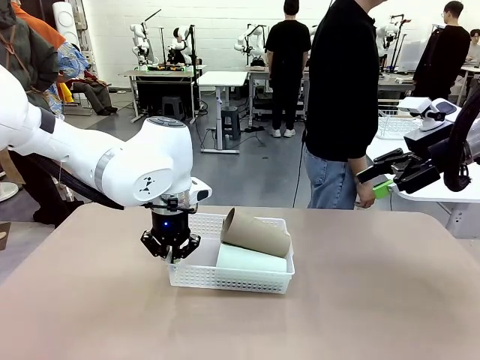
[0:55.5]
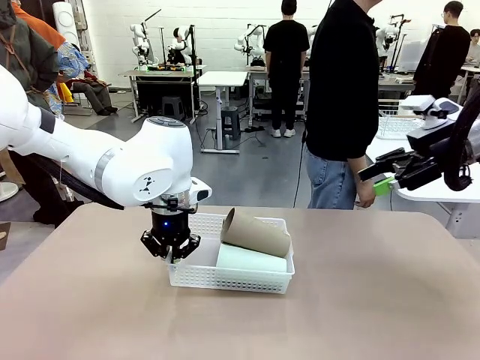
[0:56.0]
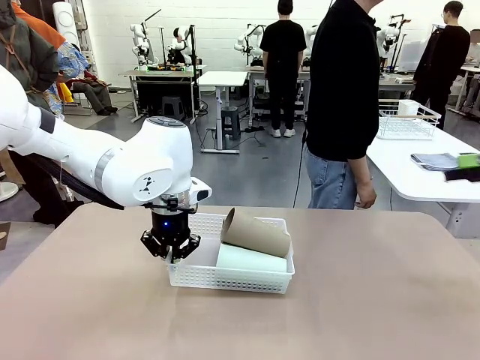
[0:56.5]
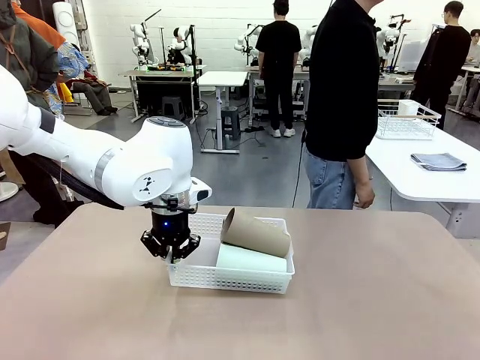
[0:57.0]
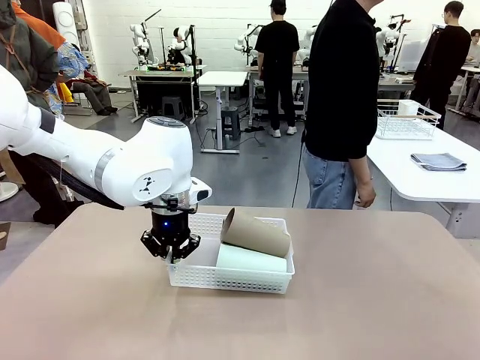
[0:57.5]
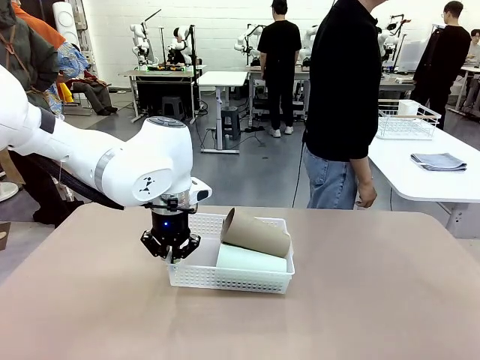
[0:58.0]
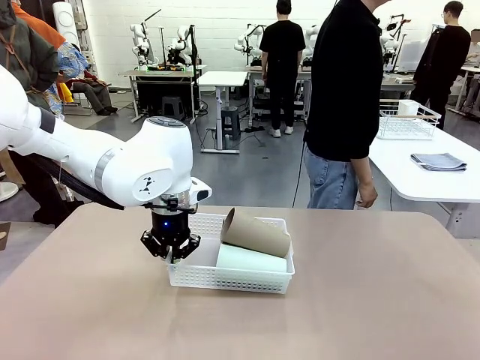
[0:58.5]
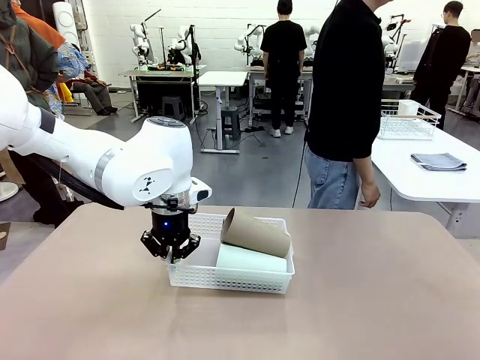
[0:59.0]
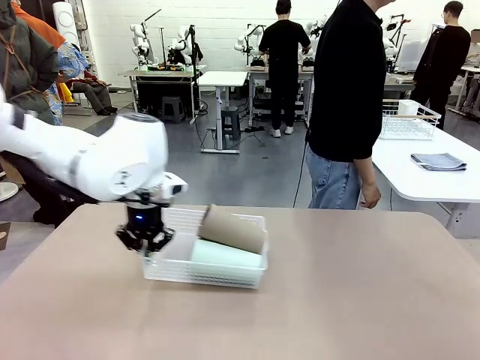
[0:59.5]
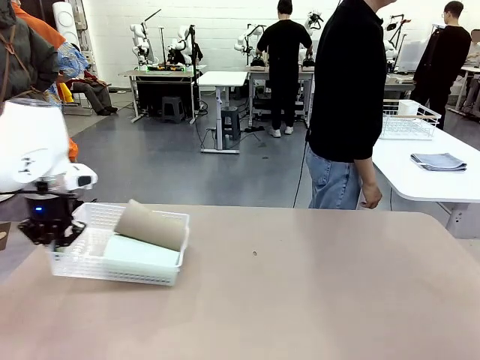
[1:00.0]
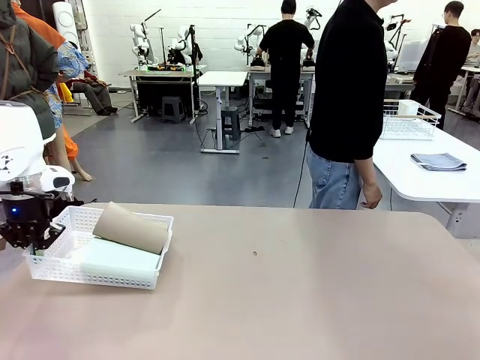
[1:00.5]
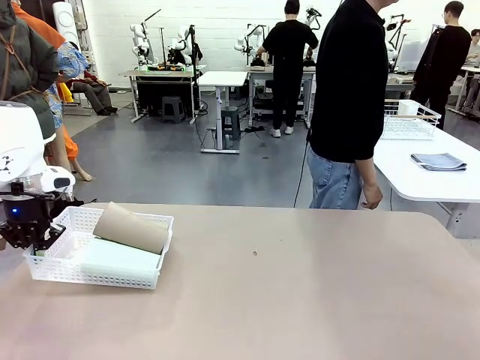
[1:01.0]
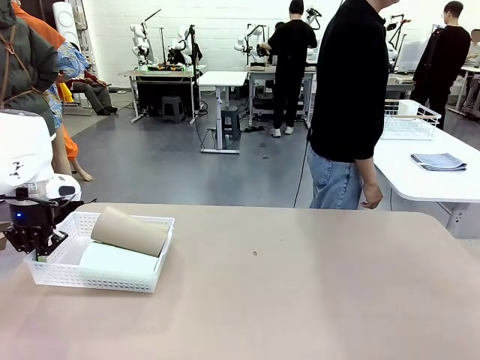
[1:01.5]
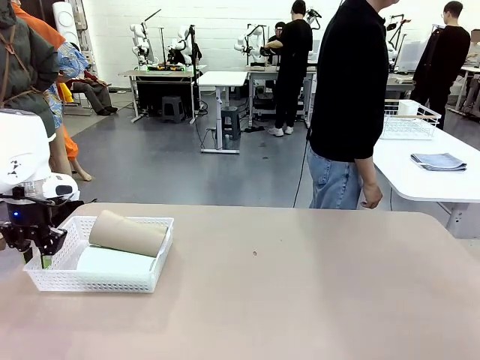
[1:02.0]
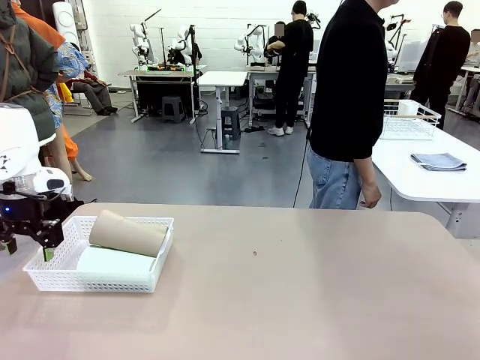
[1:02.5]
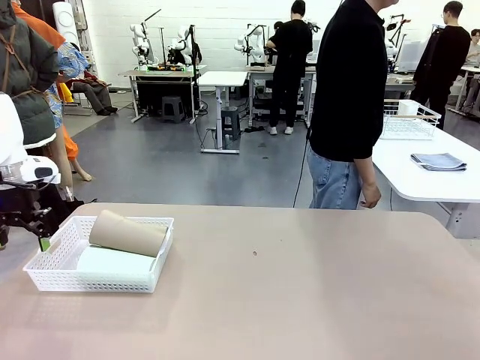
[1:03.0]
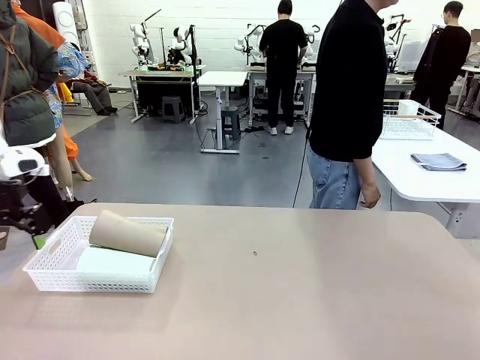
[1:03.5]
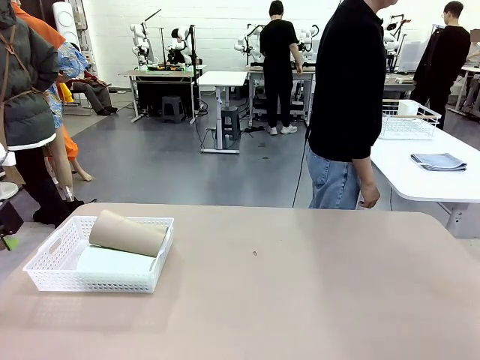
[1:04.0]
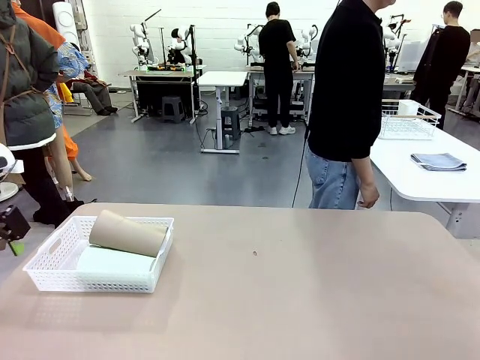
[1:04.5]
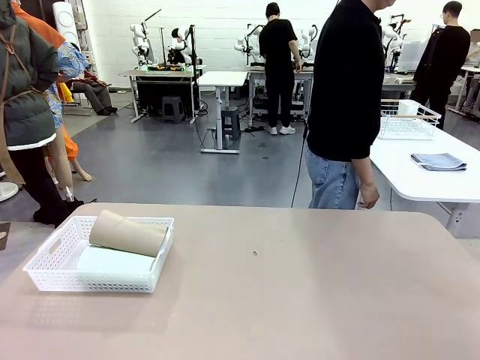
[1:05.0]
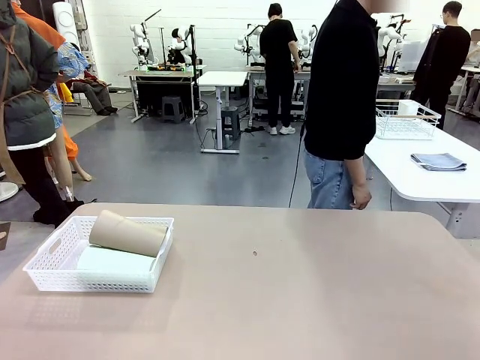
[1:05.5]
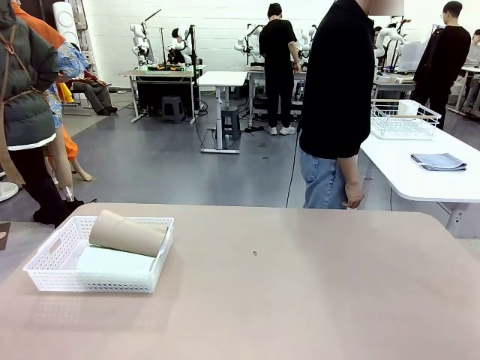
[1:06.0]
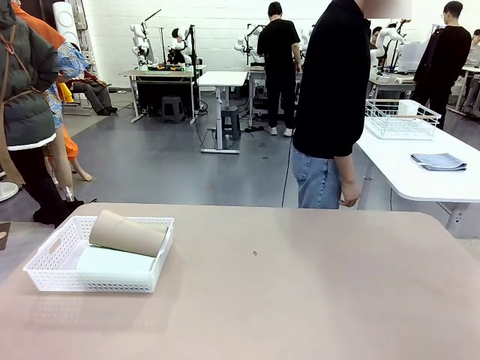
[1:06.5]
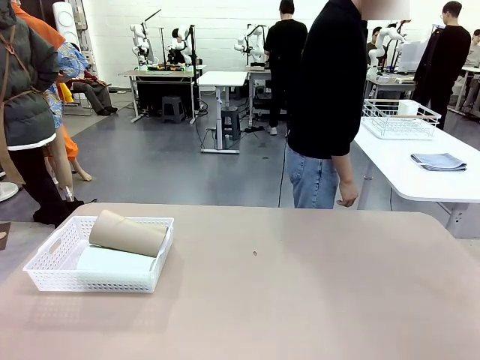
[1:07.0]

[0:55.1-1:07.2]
Task: Clean and organize the cups into the basket.
Robot: Move the Organizing basket back to the left side of the table.
Person: Folds the towel in half twice and places it in the right of the table.

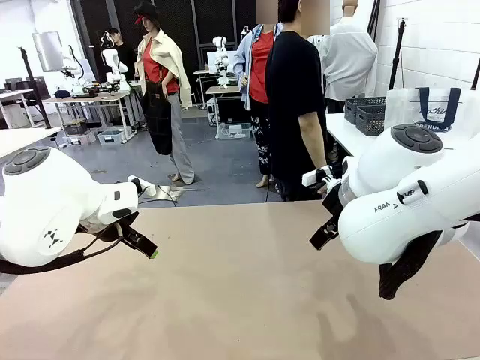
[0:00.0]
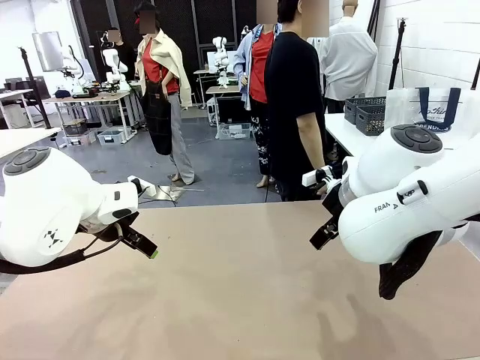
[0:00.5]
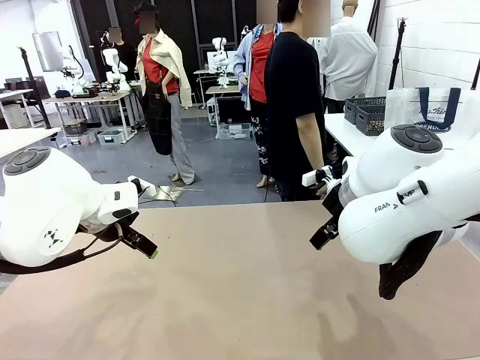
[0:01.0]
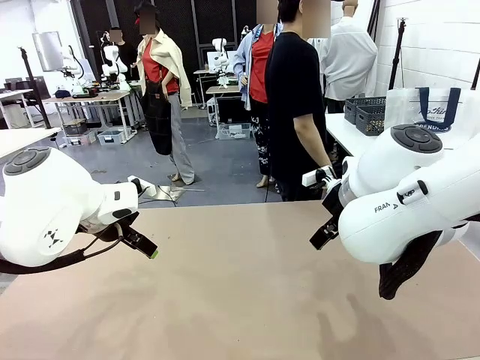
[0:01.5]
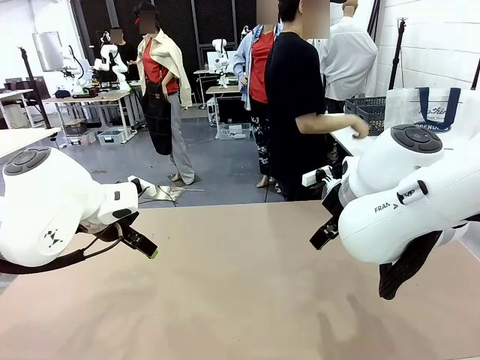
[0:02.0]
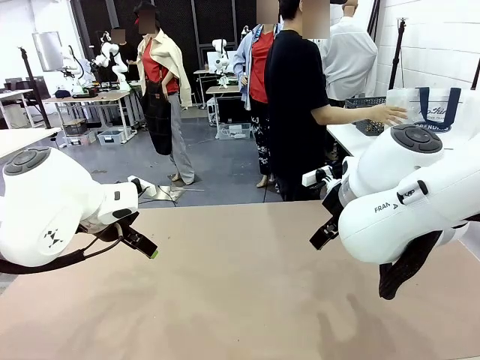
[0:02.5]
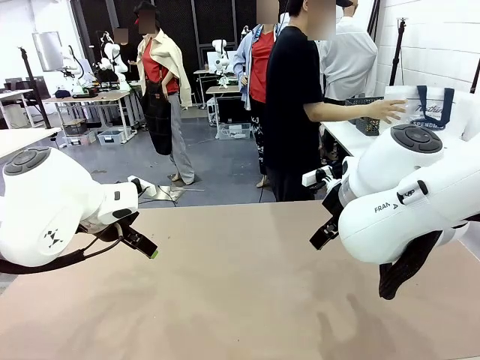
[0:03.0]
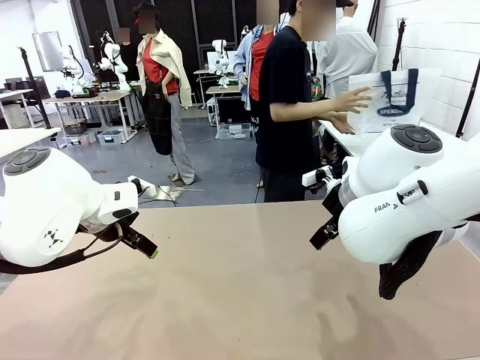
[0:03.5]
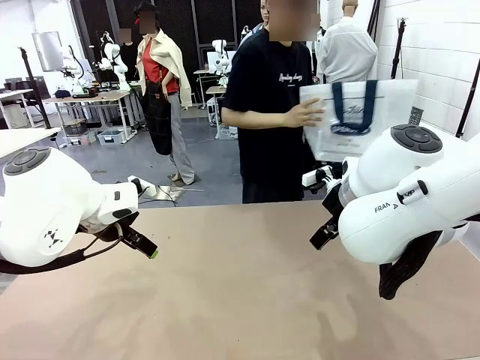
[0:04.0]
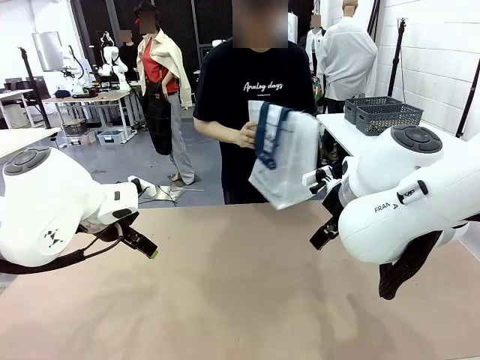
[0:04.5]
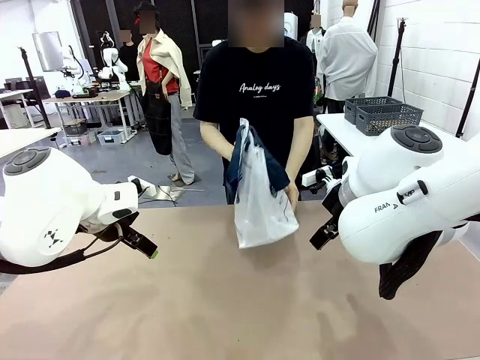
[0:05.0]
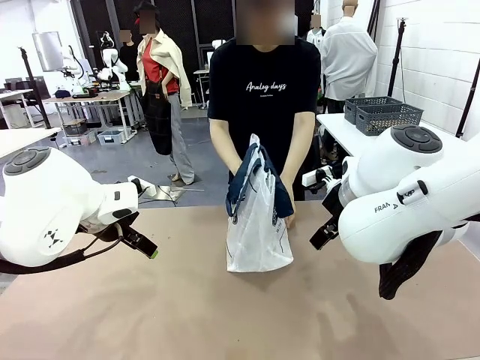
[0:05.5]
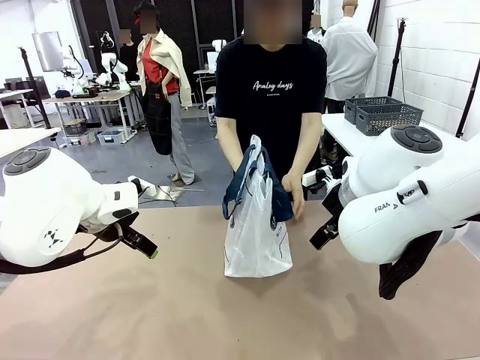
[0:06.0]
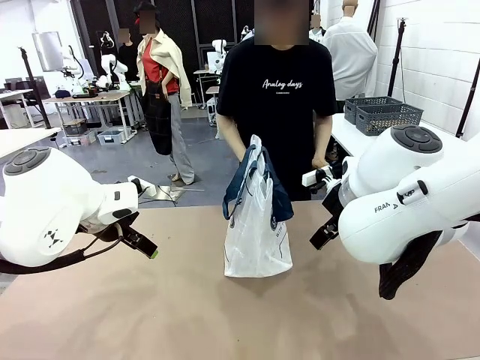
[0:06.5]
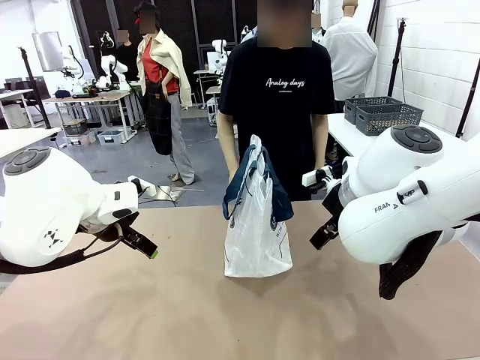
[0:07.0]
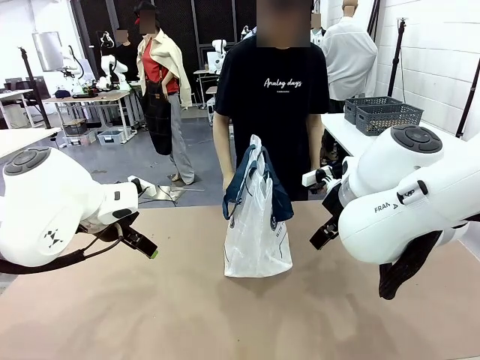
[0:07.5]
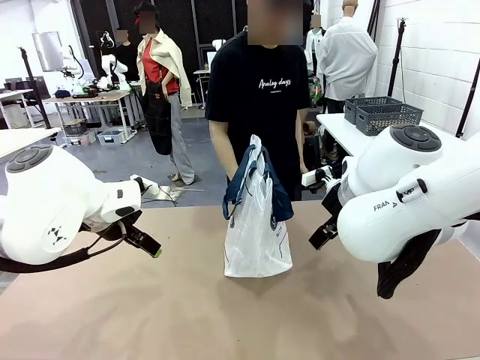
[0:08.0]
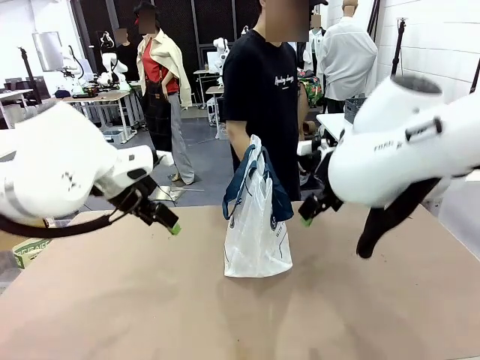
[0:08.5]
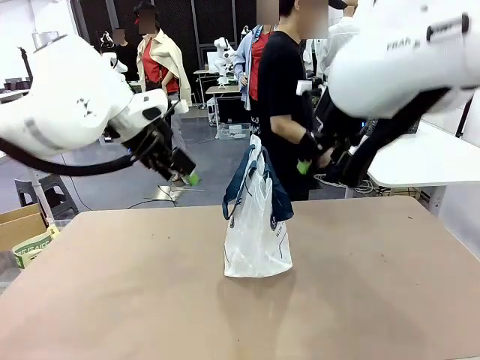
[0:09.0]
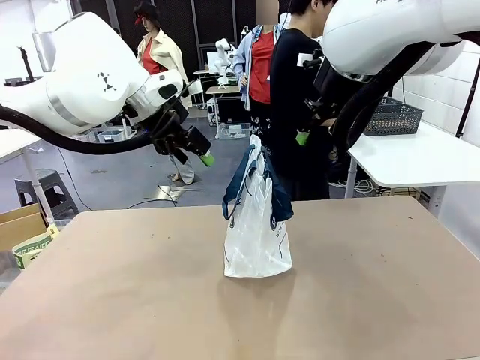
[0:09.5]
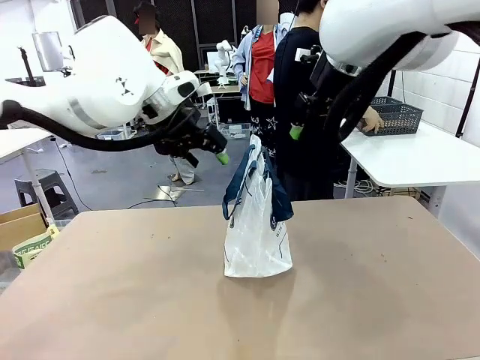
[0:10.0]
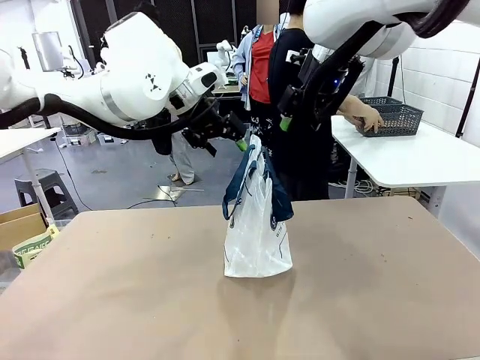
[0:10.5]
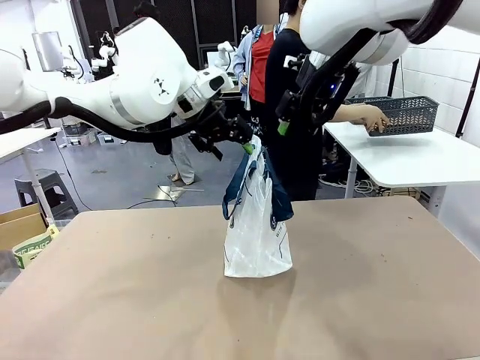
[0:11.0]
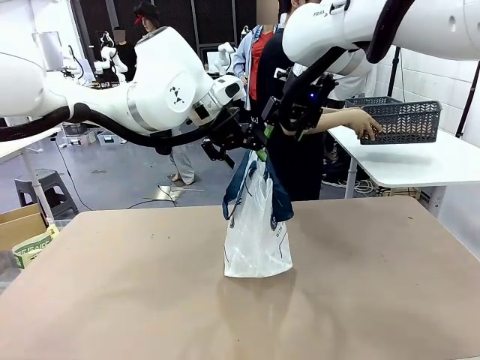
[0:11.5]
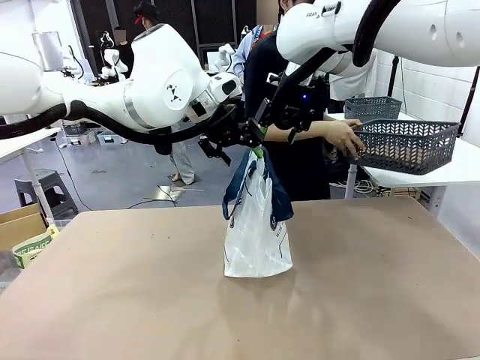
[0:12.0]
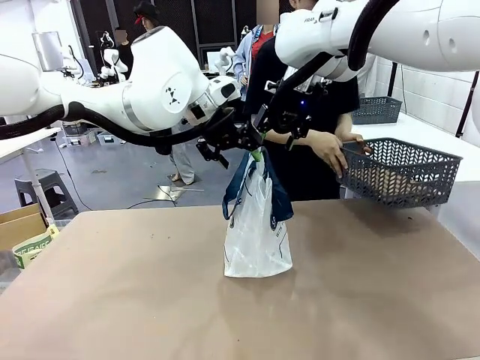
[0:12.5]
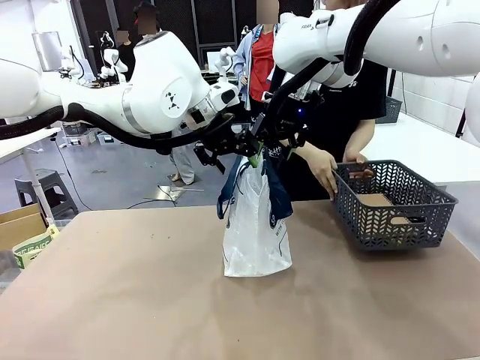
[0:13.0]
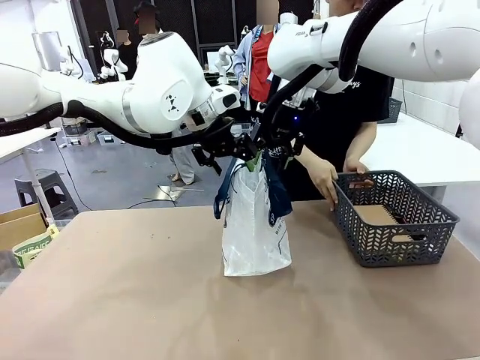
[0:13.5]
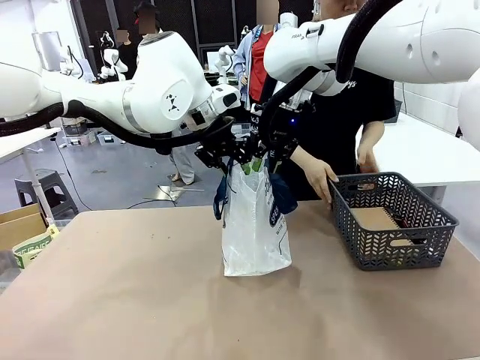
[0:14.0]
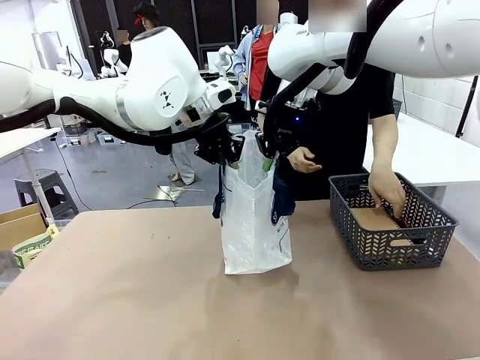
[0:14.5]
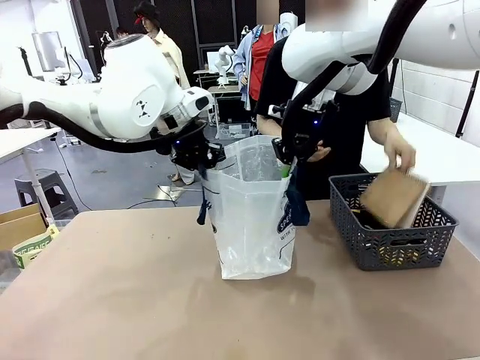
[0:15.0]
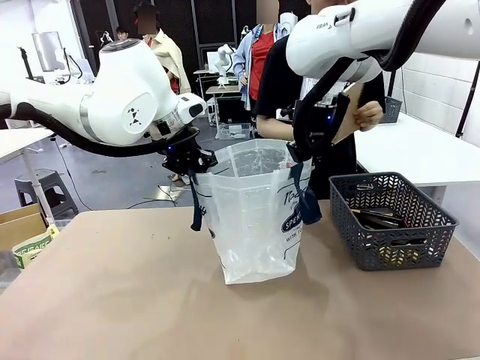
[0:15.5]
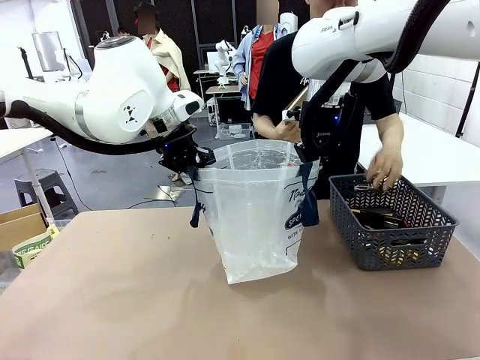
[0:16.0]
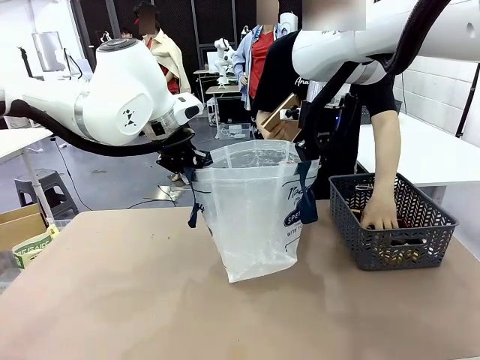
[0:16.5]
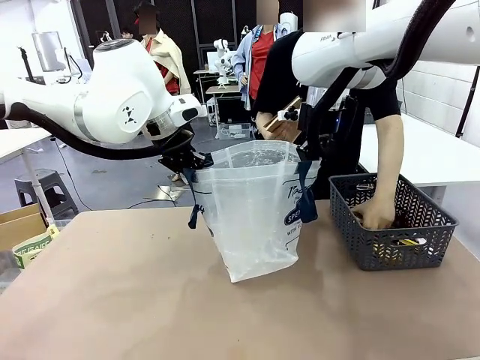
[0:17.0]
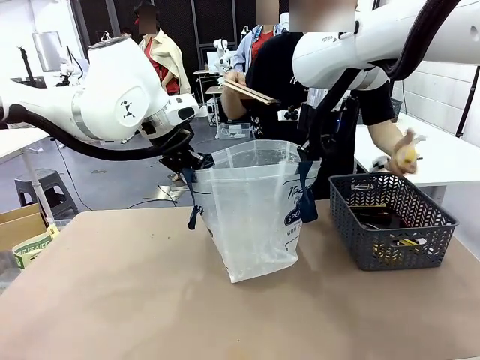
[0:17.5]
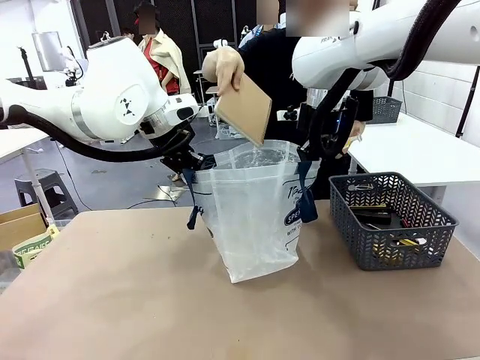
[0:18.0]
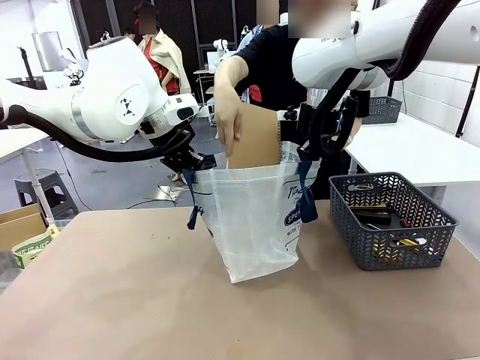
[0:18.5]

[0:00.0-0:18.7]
Task: Transfer purchased items from the store into the shopping bag.
Robot: Open the Reusable shopping bag in the center of the table.
Person: Pick up the shopping bag and place it in the middle of the robot table.
